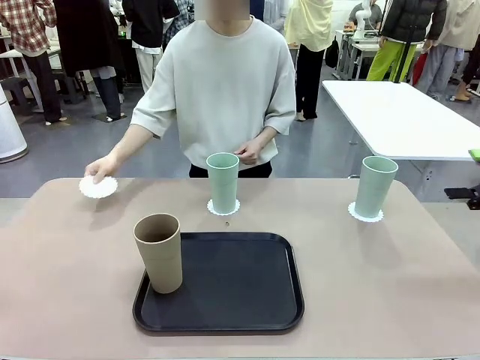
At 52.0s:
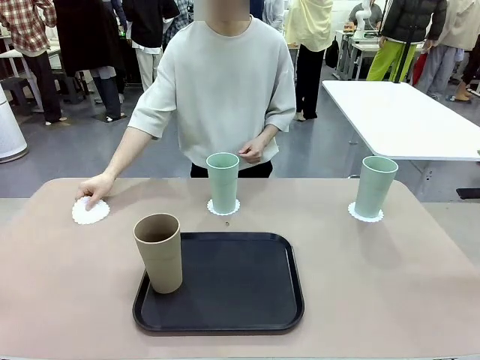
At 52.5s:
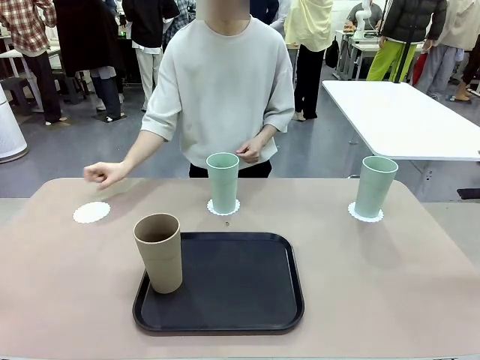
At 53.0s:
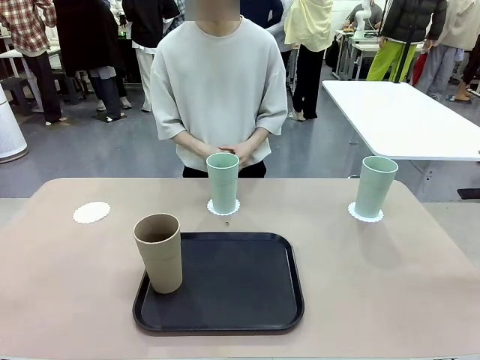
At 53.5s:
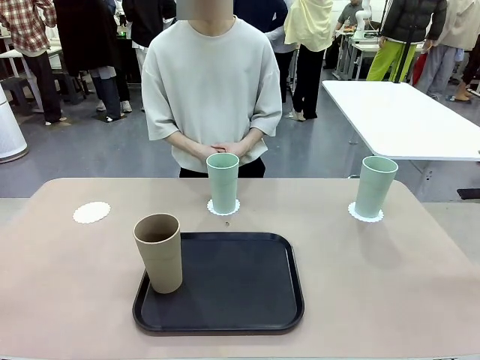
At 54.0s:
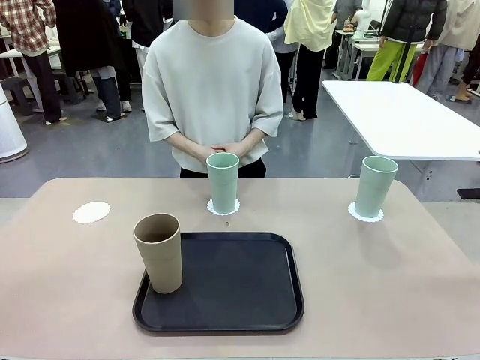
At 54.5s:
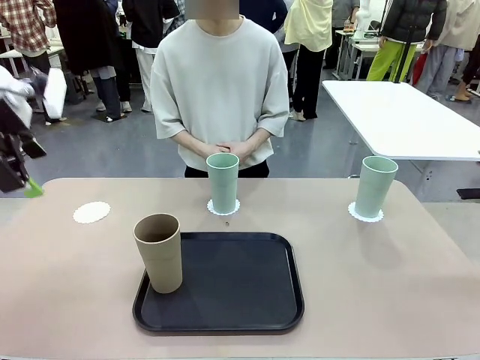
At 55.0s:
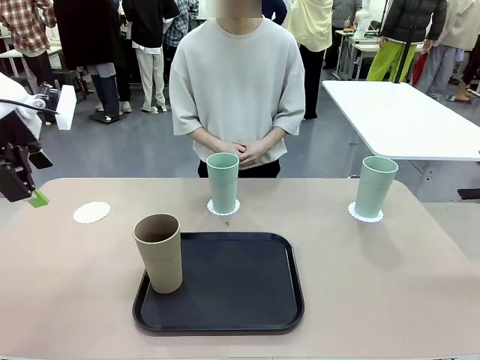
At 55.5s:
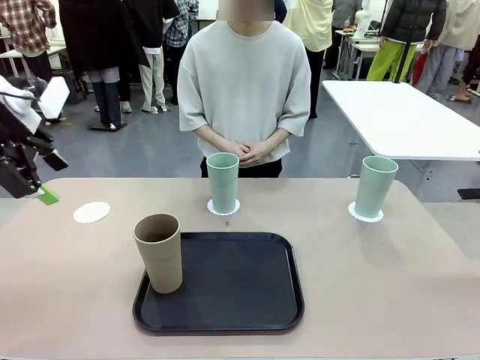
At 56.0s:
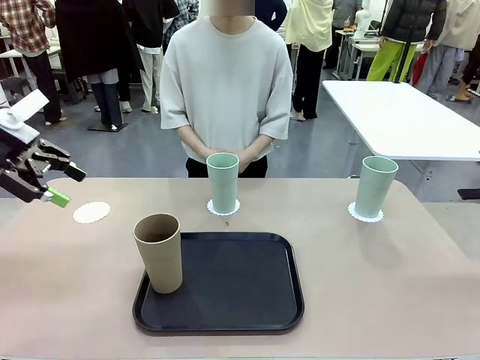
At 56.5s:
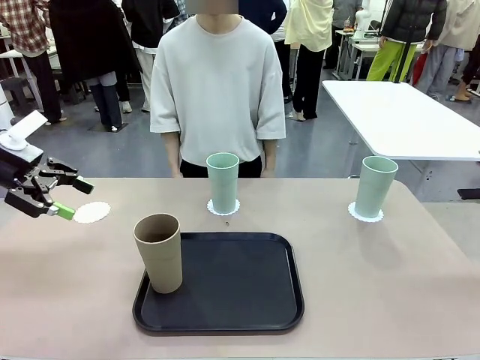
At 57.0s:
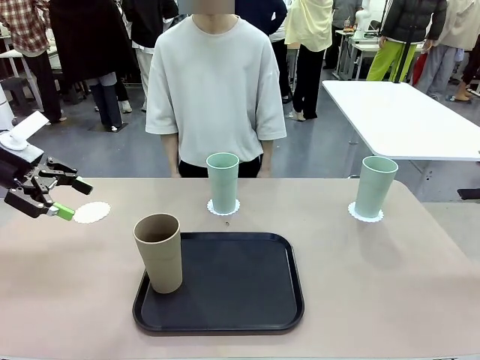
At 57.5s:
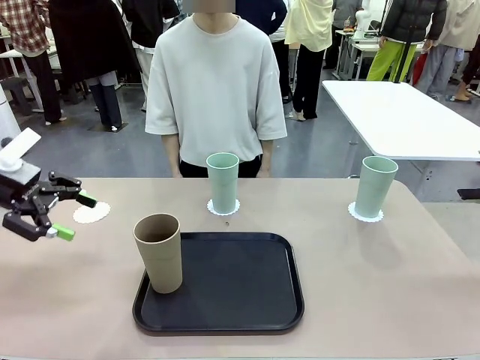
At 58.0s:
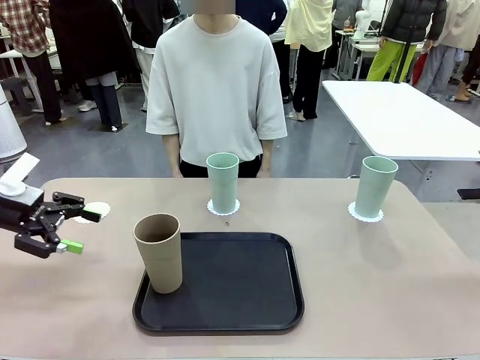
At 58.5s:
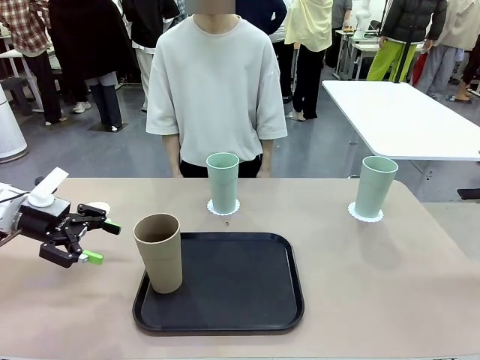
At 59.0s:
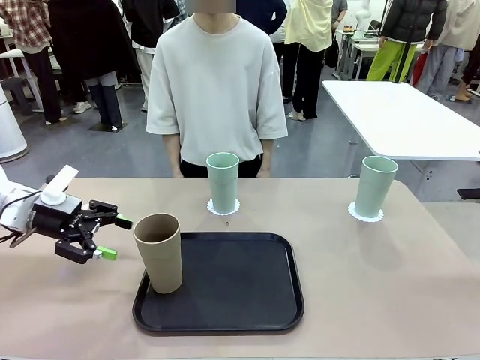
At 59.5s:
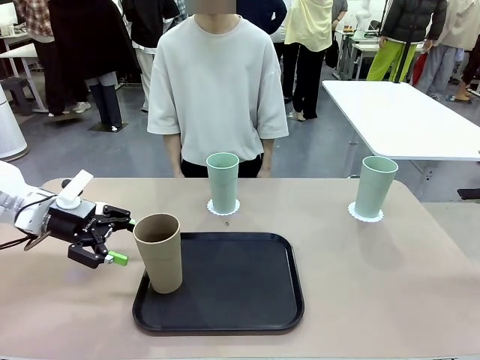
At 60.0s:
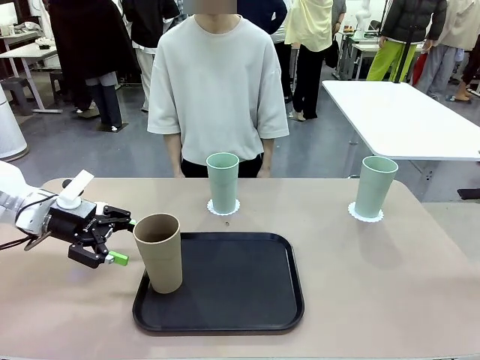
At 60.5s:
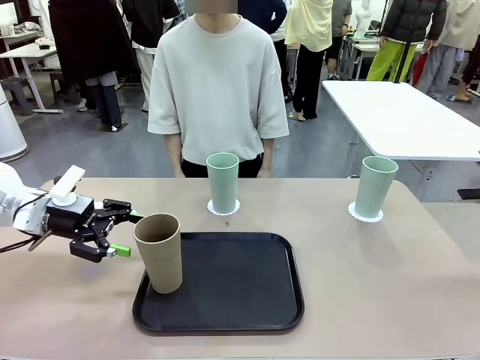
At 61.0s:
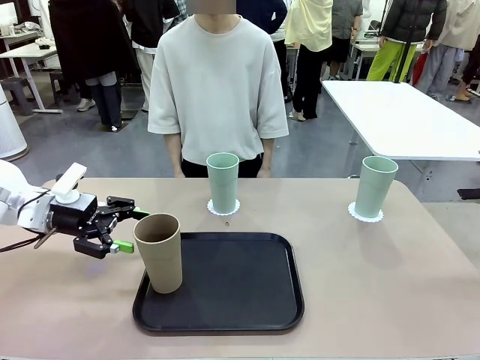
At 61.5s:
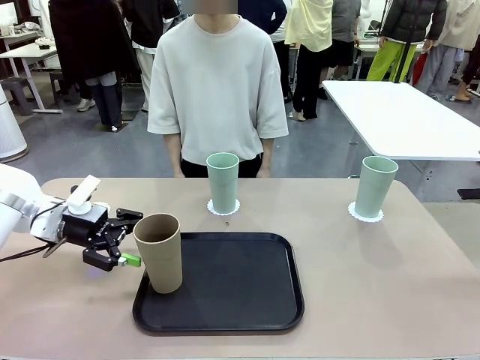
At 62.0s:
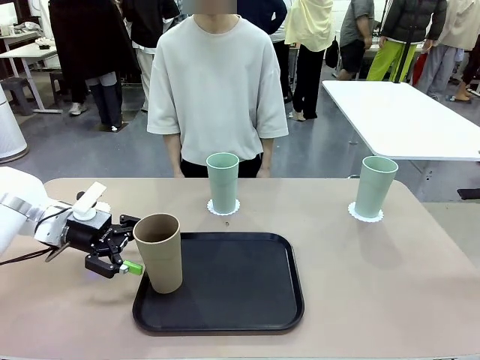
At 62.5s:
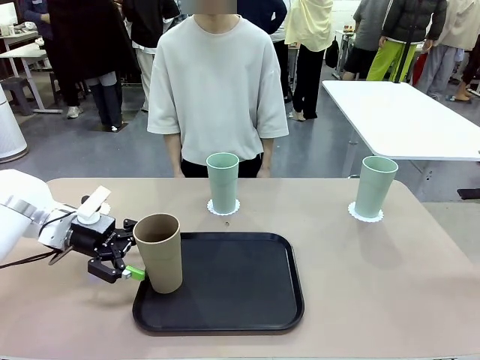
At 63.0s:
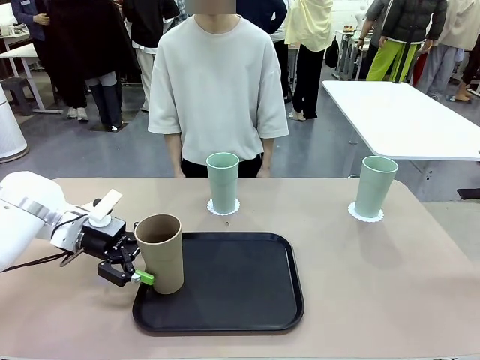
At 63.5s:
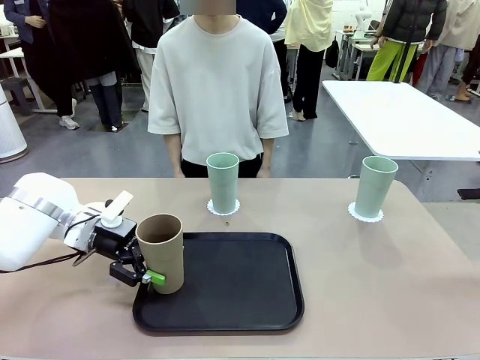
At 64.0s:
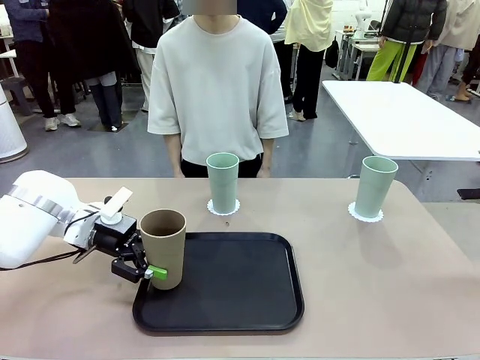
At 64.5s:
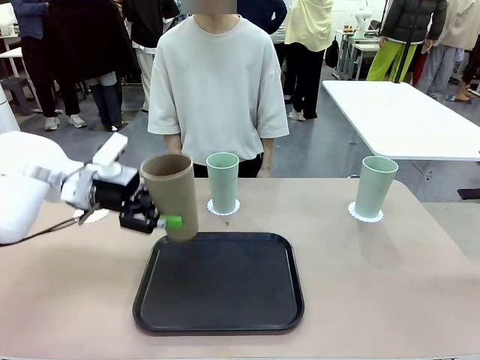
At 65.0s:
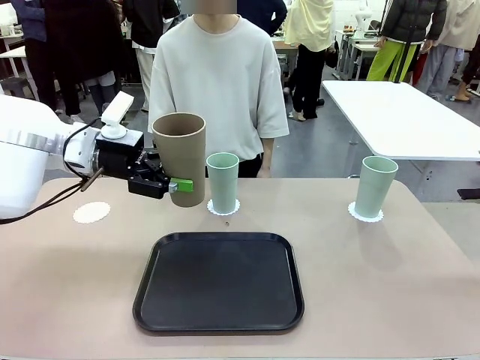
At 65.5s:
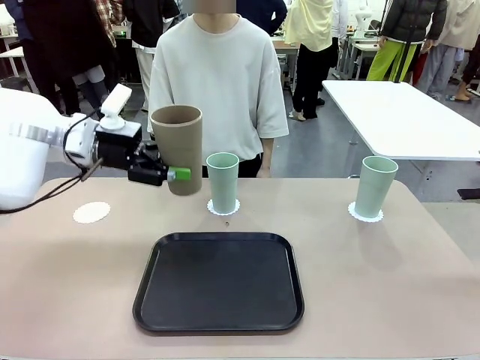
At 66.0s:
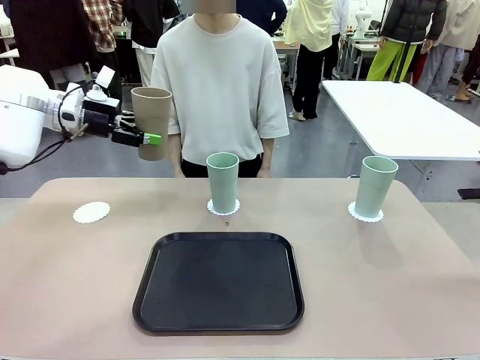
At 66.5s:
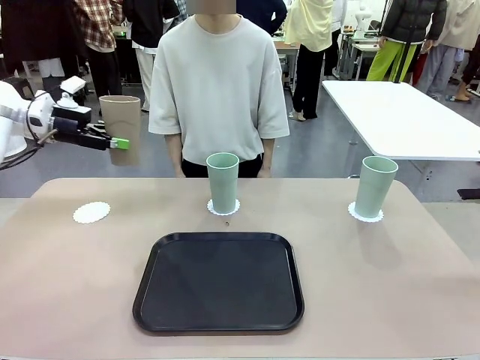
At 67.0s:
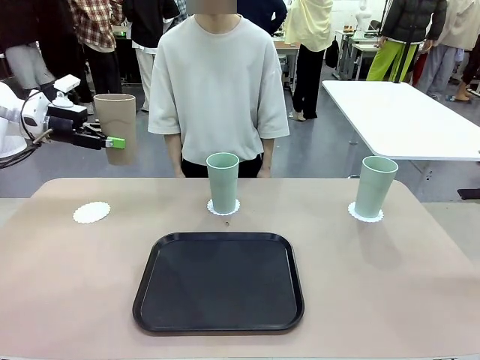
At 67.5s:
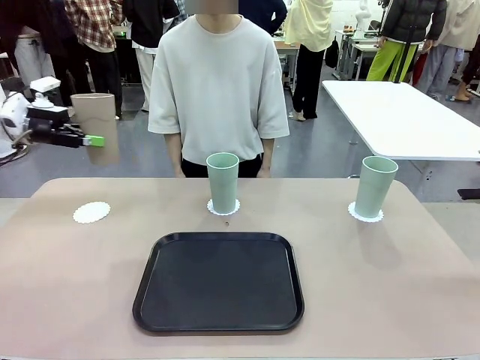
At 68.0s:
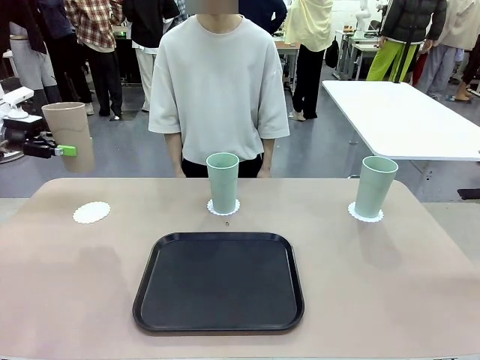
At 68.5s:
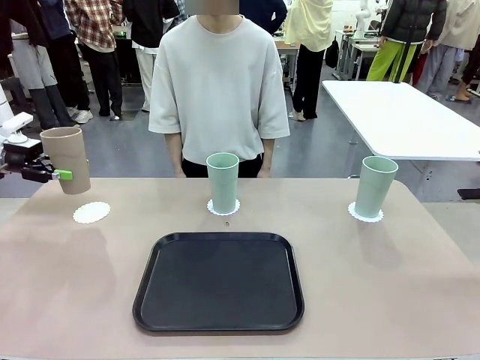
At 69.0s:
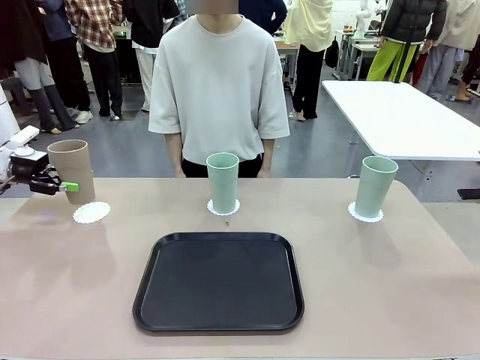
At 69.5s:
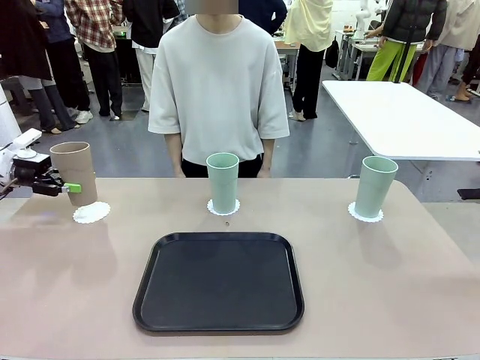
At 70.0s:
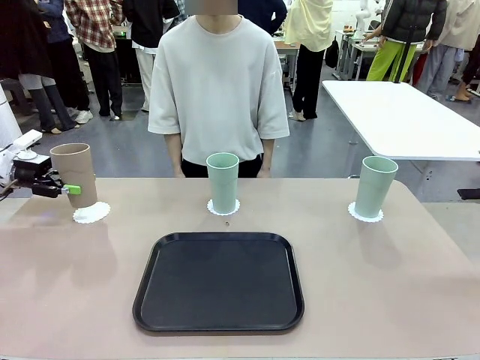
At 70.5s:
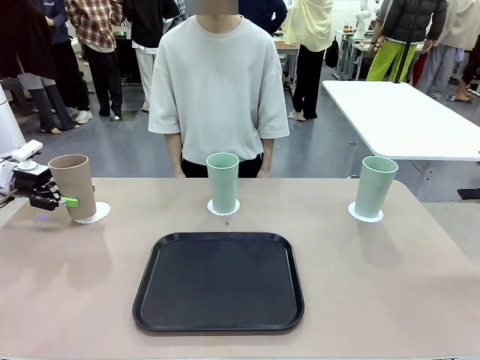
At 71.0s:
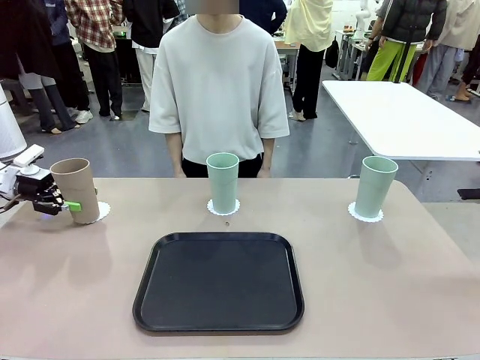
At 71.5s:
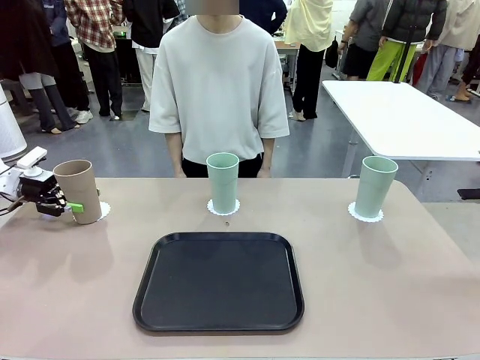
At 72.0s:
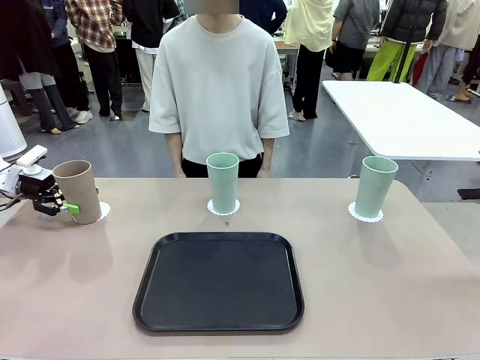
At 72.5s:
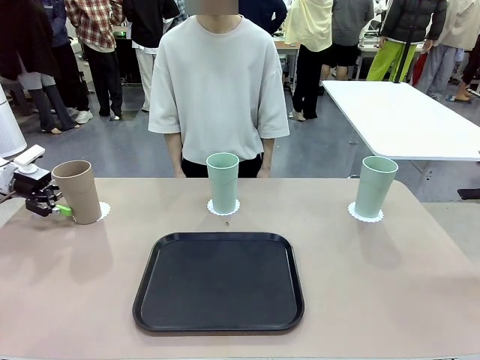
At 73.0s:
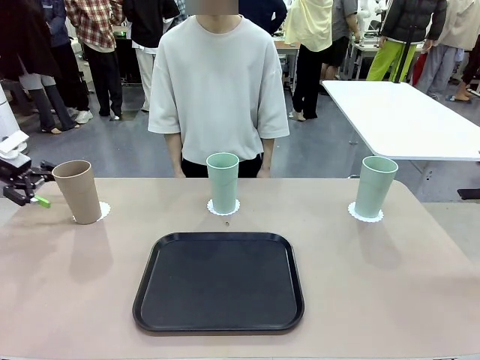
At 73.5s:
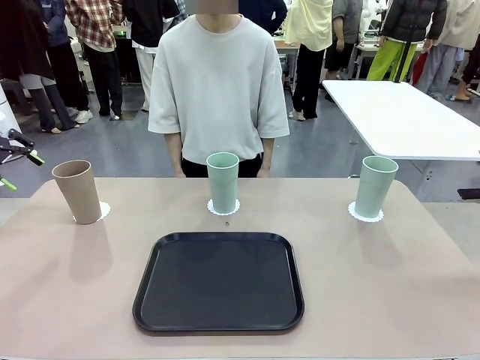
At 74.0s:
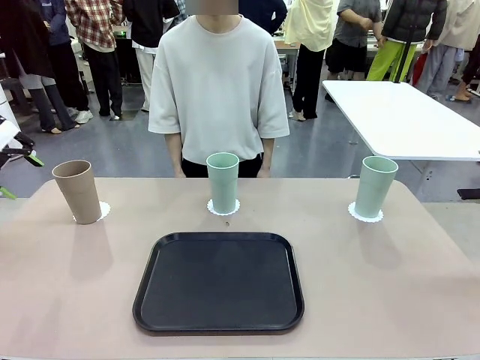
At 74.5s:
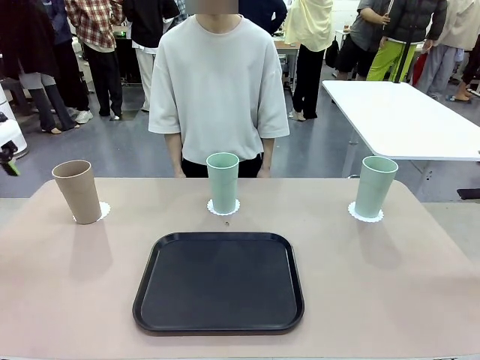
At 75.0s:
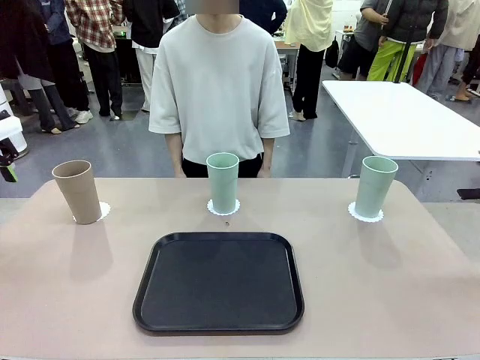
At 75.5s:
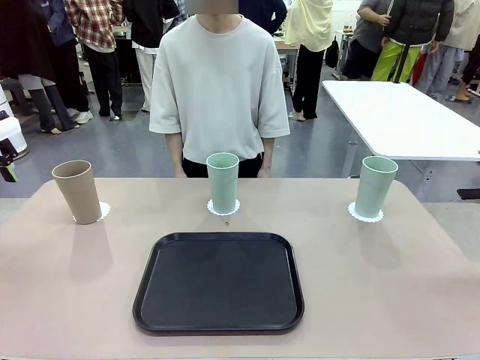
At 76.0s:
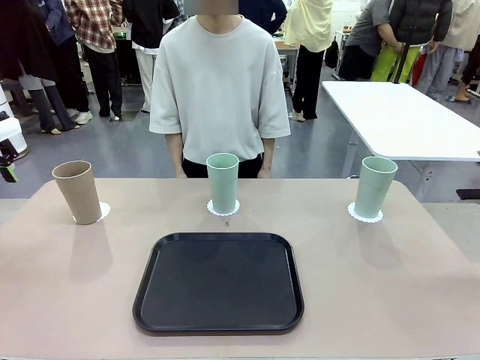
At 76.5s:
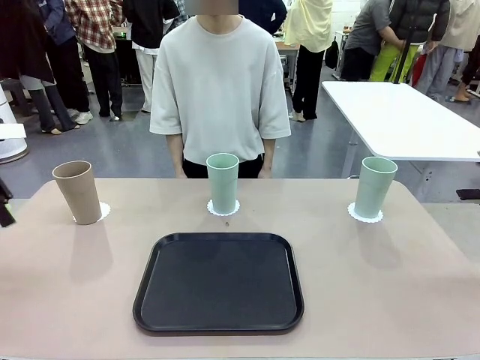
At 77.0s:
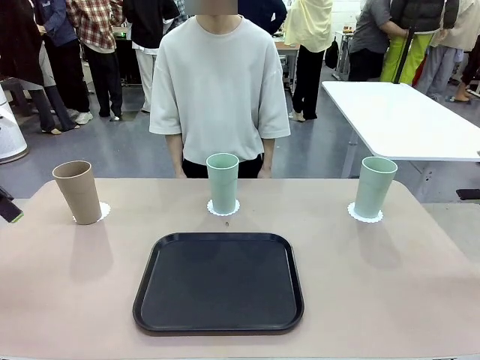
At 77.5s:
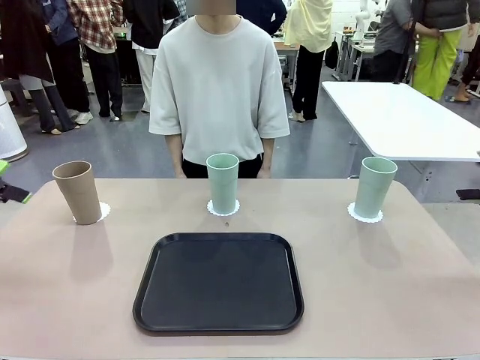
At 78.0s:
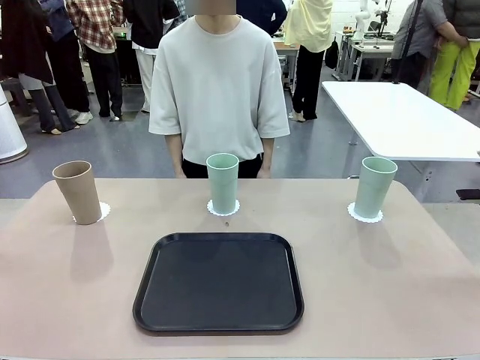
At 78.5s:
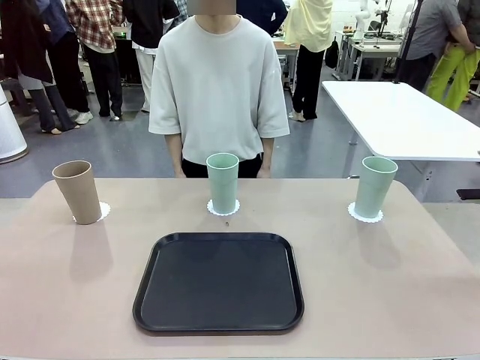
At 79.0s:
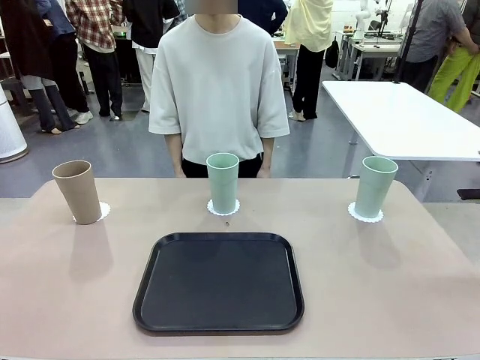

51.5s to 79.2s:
Task: Place coasters on the table and set cups on them.
Robot: Take one Reusable plastic cup from the Flat Tray and place it on a coaster set by the human.
Person: Place one coaster in the only remaining area.
